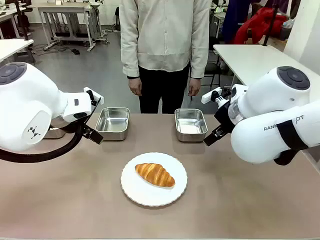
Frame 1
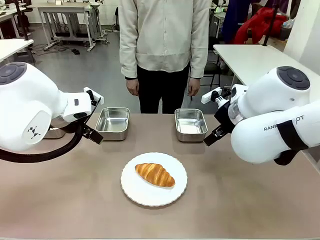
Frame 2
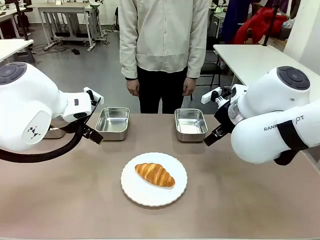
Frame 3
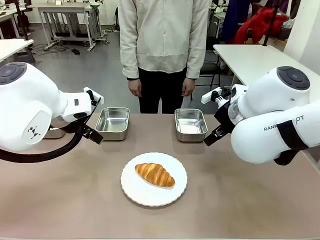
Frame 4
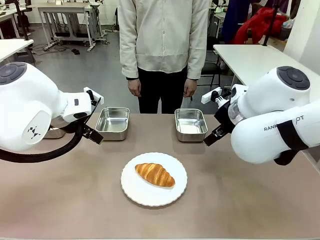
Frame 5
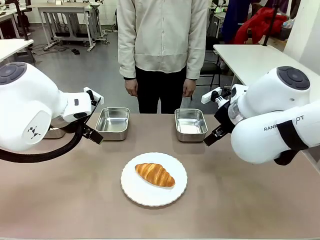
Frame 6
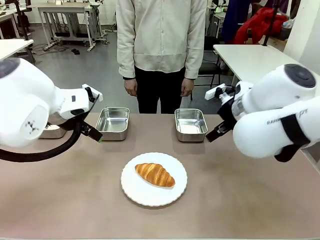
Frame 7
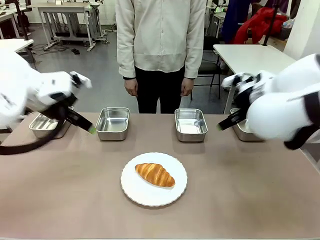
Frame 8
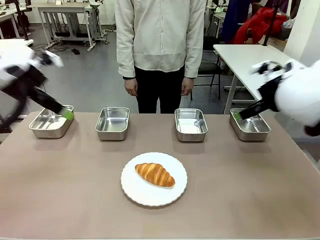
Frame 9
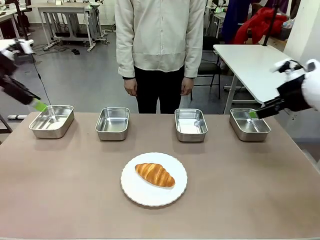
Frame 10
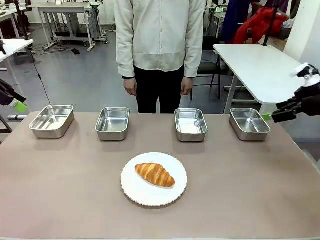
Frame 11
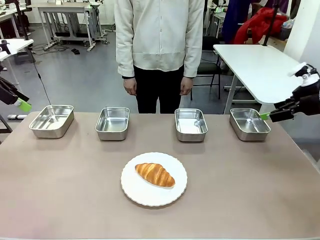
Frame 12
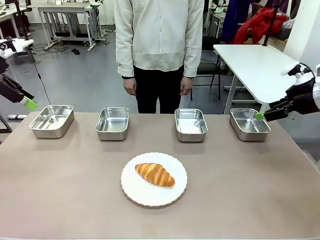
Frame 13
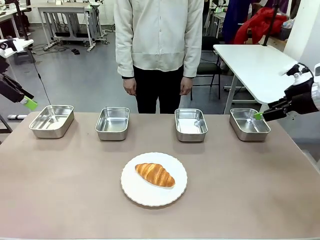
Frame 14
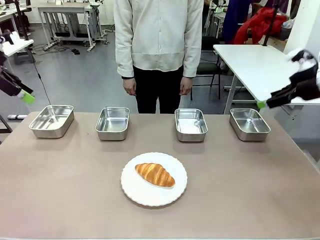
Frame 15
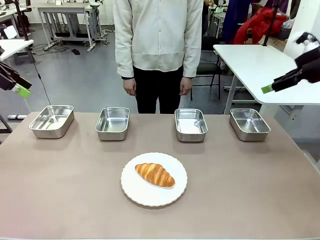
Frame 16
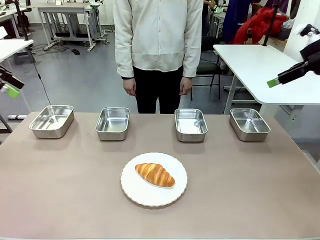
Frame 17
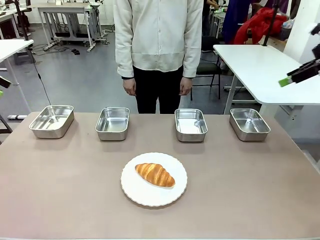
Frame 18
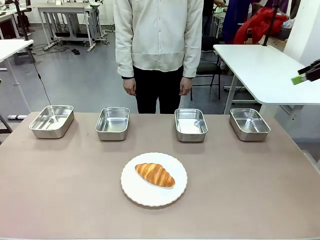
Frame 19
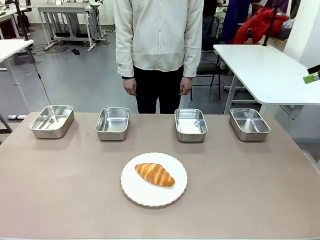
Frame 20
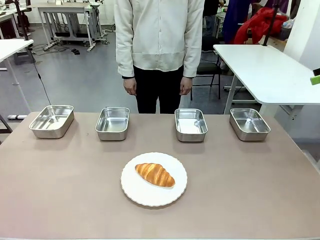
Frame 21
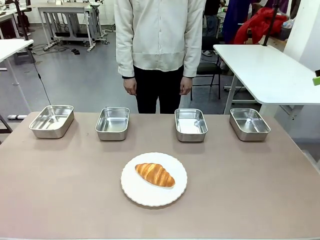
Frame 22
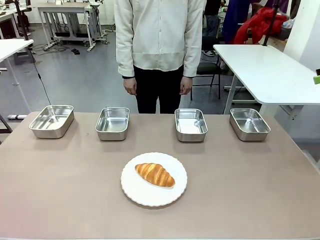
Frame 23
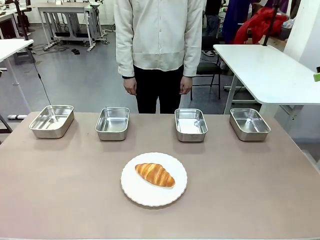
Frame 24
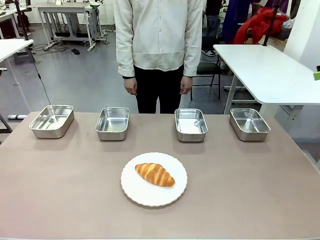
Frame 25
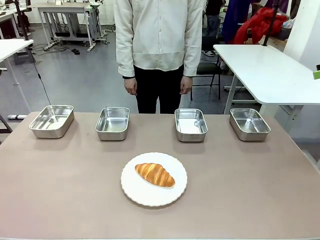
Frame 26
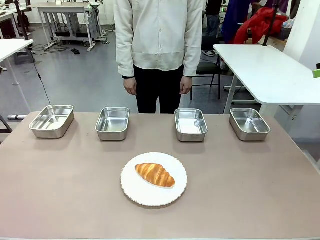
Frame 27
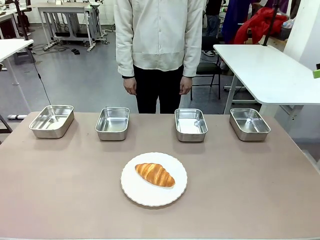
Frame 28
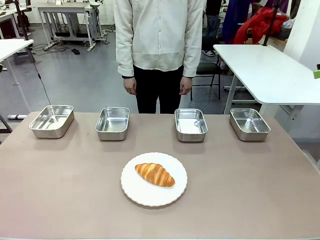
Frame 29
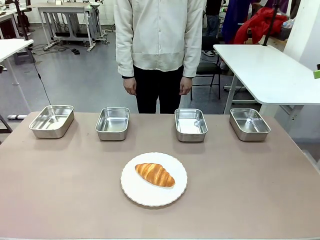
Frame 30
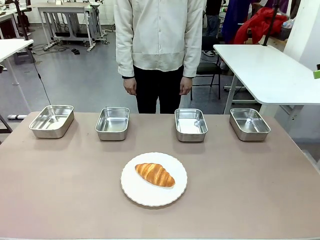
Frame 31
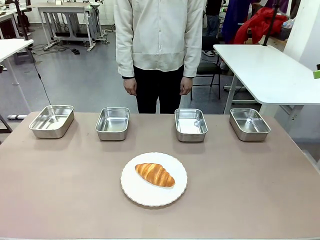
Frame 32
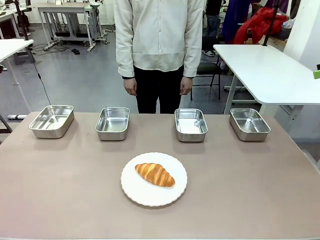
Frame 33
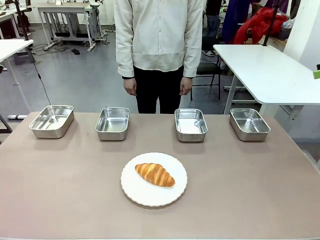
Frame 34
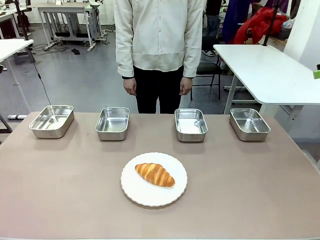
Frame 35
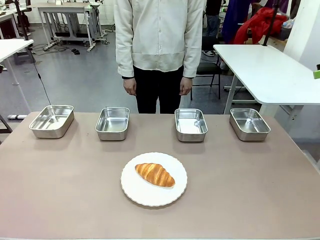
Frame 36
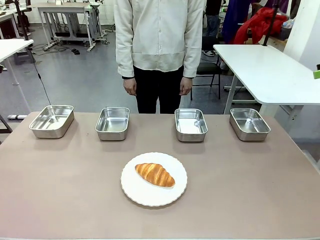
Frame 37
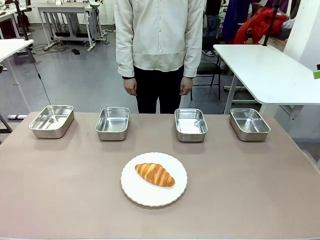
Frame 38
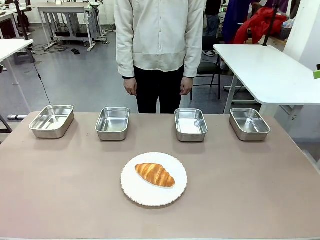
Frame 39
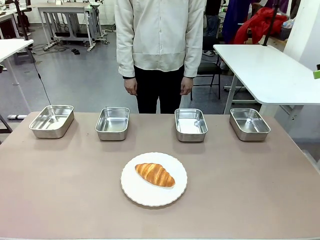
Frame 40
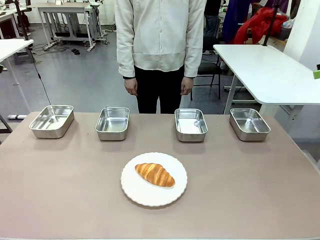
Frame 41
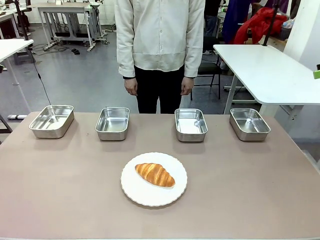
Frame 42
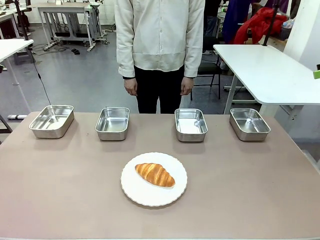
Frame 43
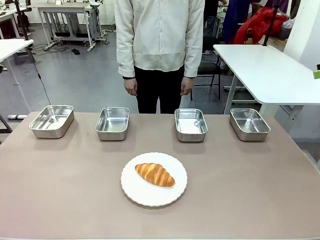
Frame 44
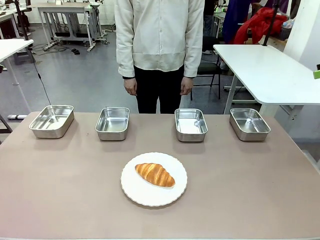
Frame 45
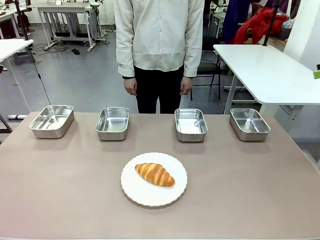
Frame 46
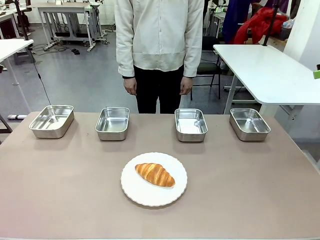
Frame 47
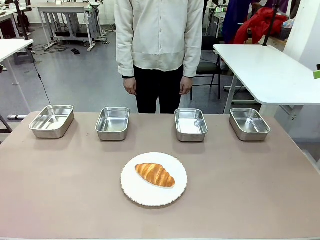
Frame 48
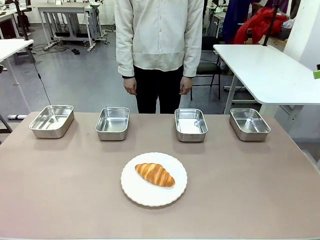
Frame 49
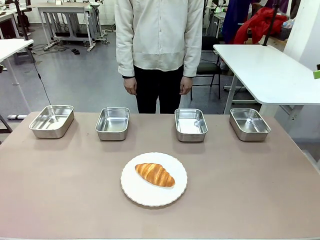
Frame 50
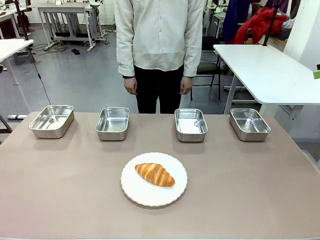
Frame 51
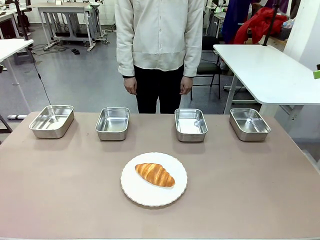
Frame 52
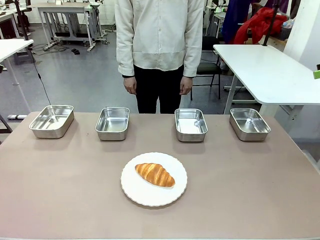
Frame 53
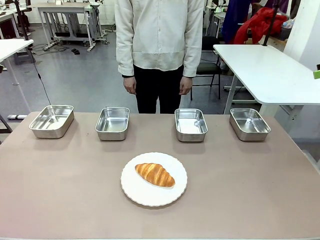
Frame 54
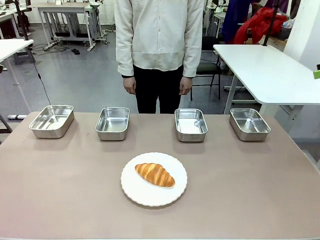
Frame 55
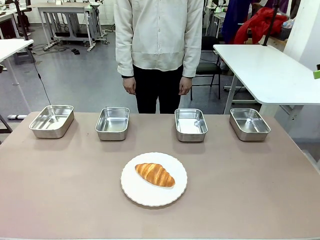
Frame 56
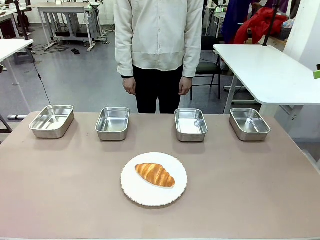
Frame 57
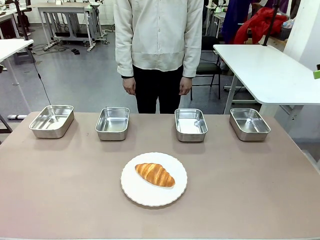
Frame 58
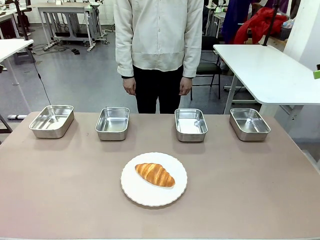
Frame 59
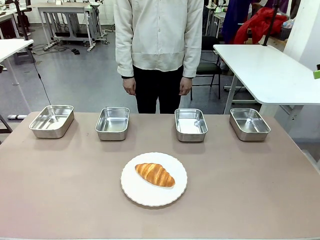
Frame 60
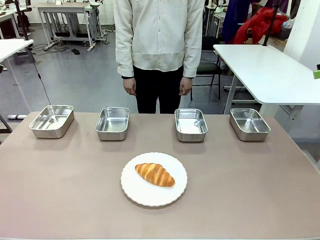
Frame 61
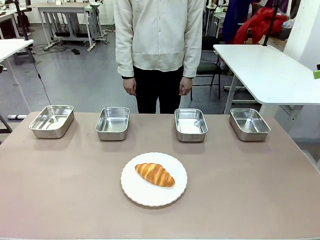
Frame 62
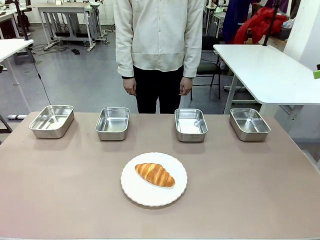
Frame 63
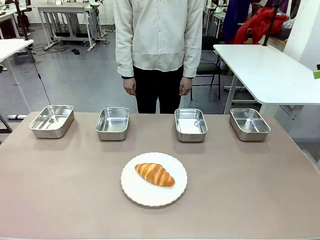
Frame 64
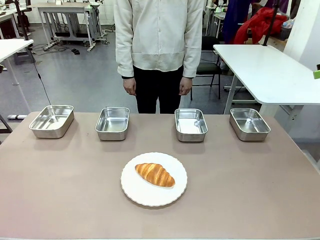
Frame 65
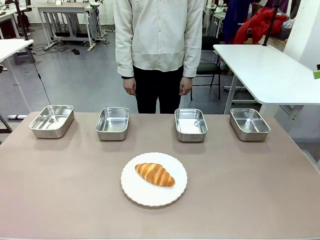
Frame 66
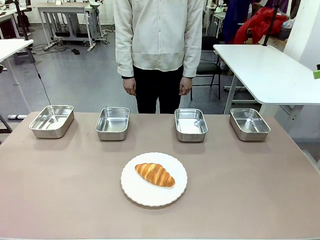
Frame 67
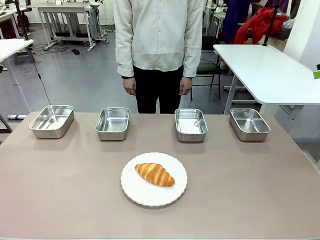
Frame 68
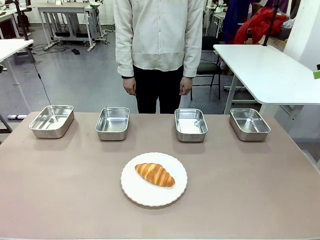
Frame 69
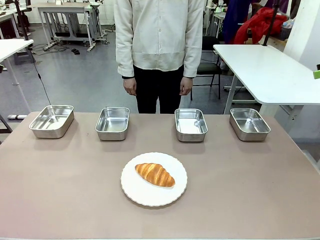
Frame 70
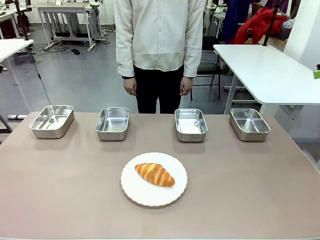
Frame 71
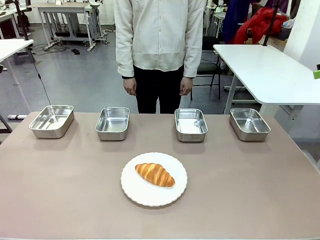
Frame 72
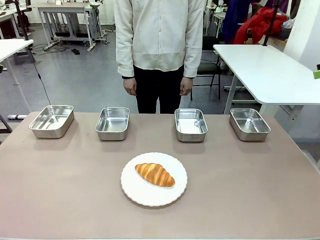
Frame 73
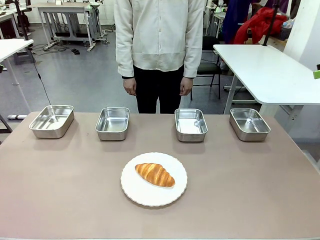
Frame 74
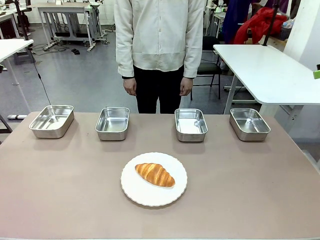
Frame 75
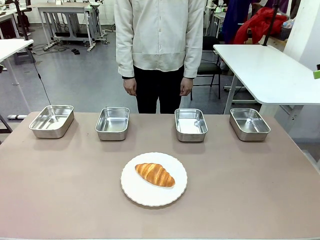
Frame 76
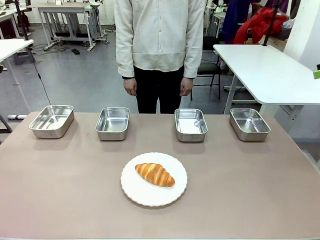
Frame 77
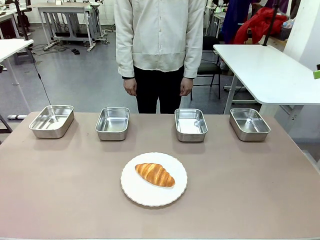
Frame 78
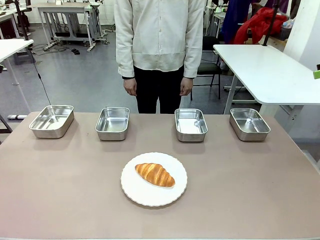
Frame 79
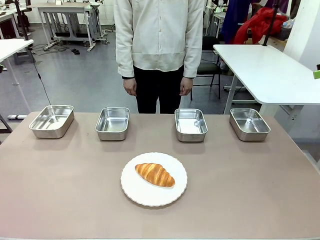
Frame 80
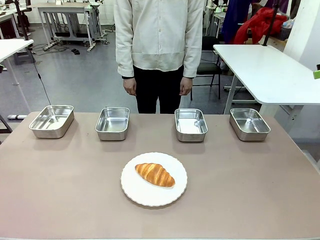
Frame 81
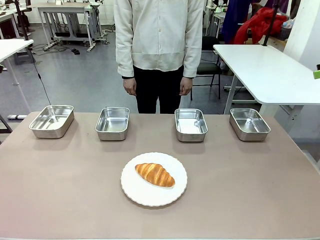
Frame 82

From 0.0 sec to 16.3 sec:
Task: Place the bread in the container.
Robot: Place the Butter Roll into the Airtight Container indicated by the human.
